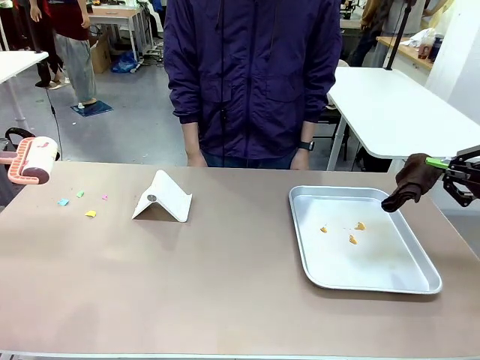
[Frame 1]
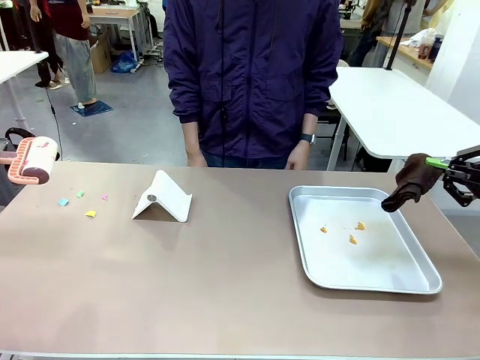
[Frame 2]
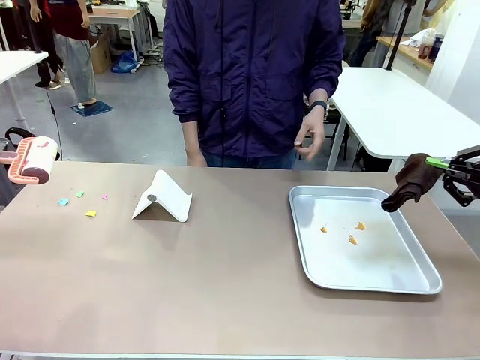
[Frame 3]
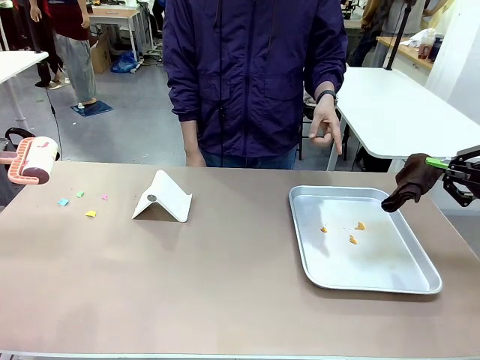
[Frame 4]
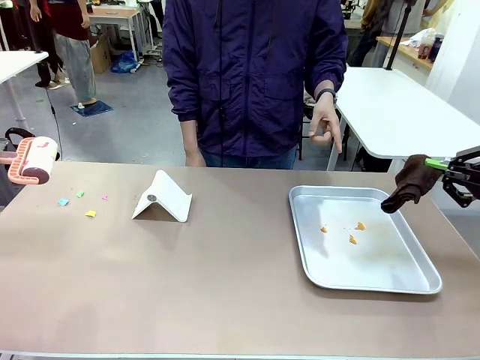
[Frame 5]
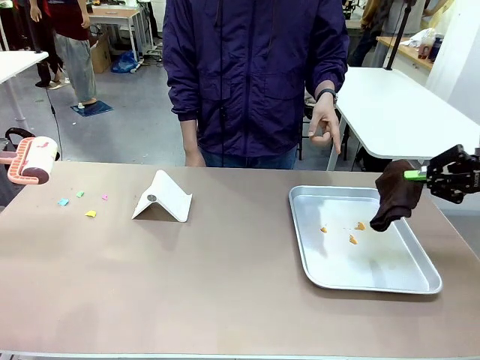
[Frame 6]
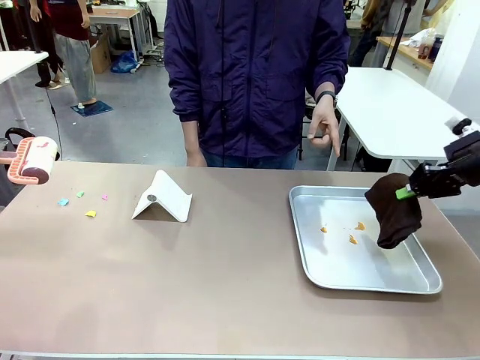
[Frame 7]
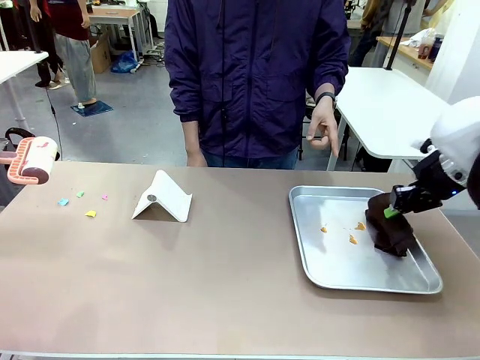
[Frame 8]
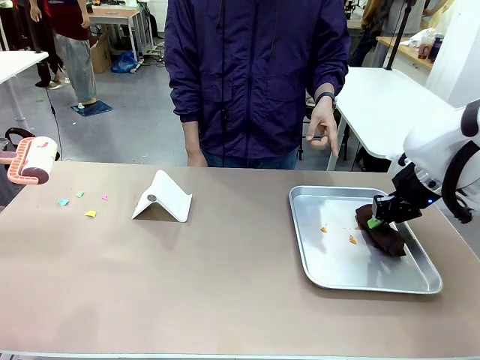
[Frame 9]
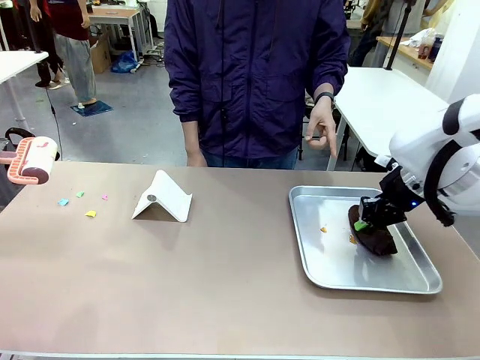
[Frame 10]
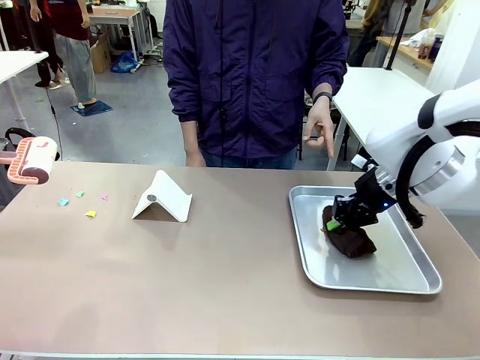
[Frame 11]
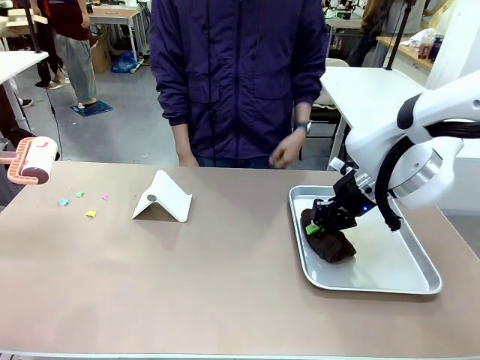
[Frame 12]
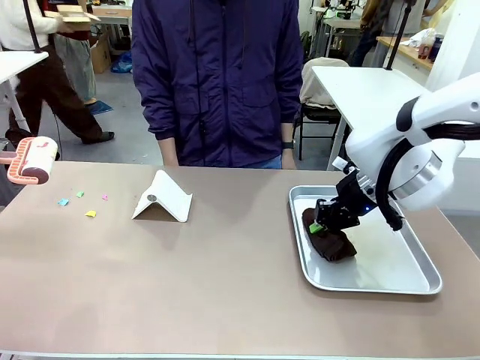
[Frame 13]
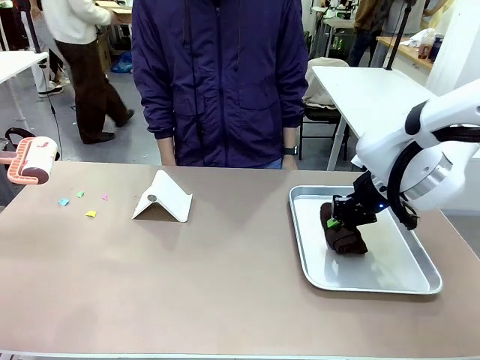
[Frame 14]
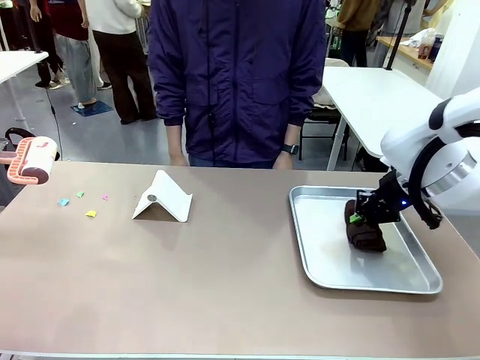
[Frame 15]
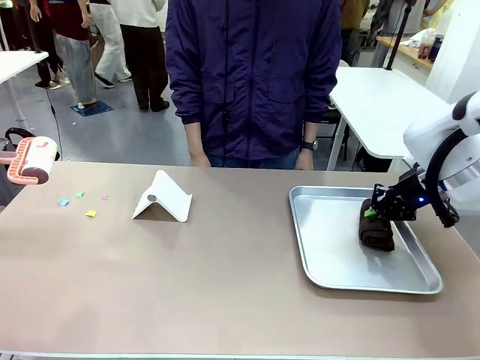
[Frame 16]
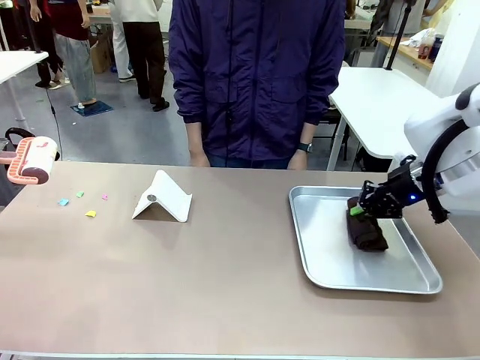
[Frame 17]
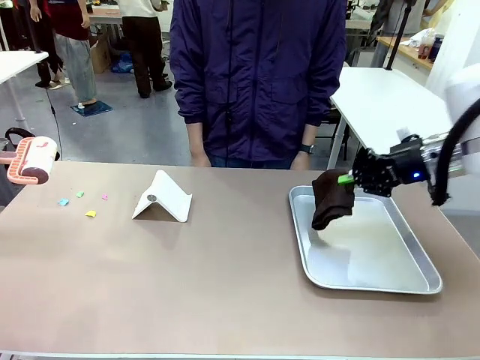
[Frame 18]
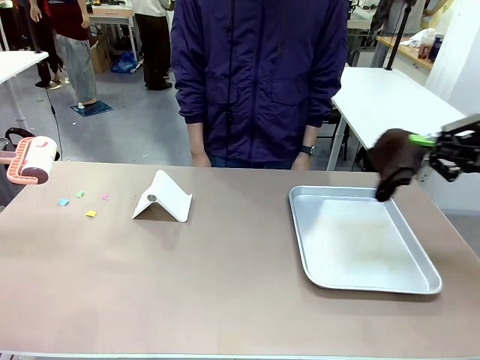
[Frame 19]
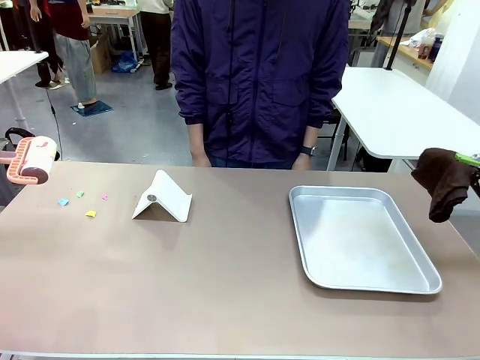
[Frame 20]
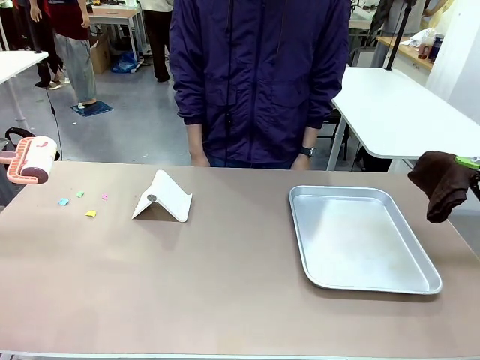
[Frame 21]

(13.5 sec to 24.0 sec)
Task: Clean the surface of the table.
Robot: If a person points to the right, clean the right side of the table with your right hand, and if they point to the left, clean the left side with your left hand.

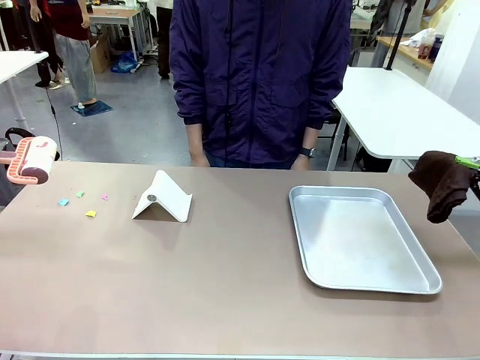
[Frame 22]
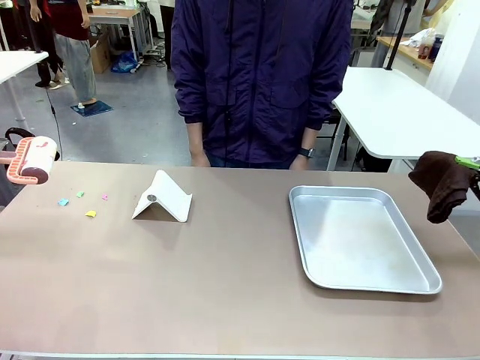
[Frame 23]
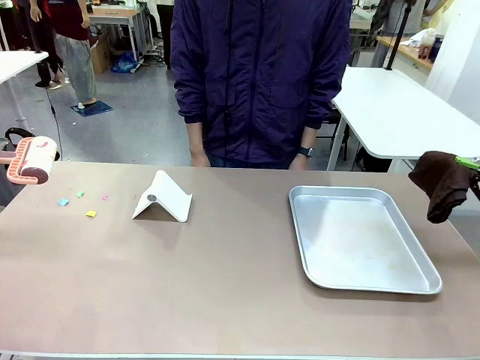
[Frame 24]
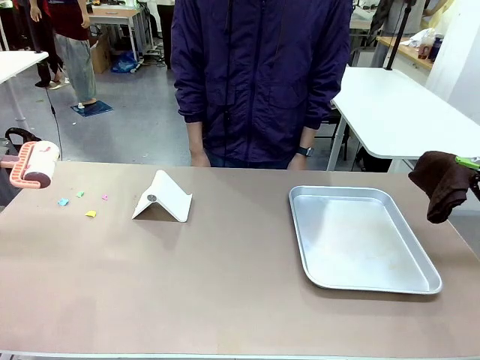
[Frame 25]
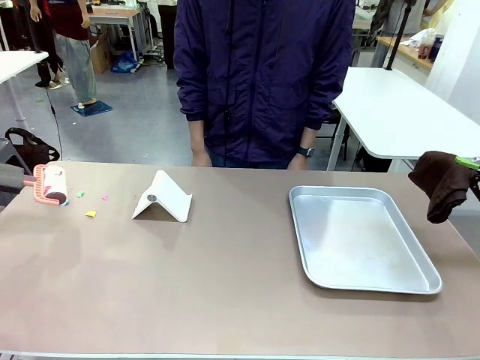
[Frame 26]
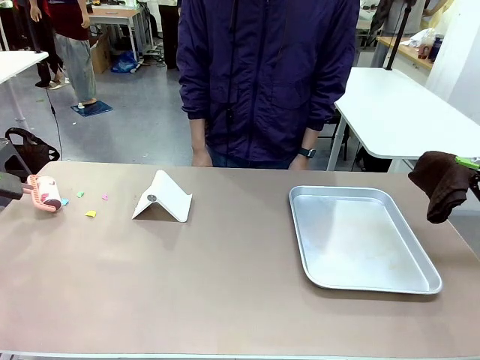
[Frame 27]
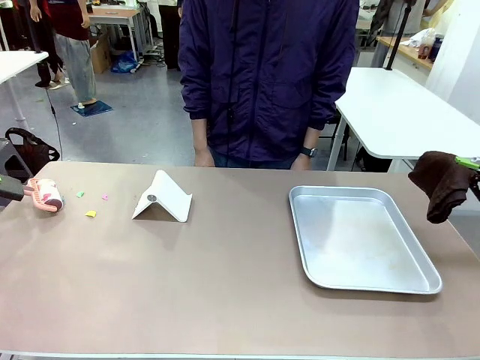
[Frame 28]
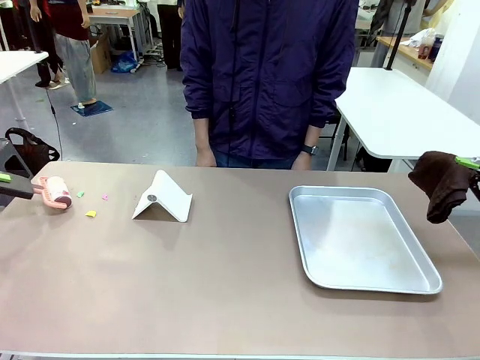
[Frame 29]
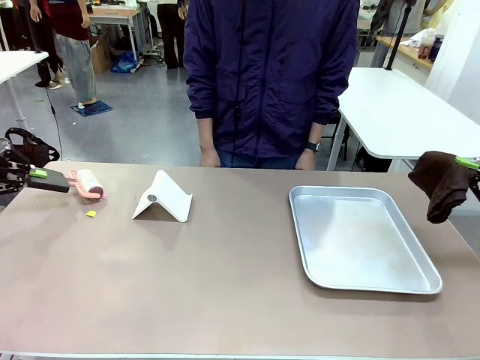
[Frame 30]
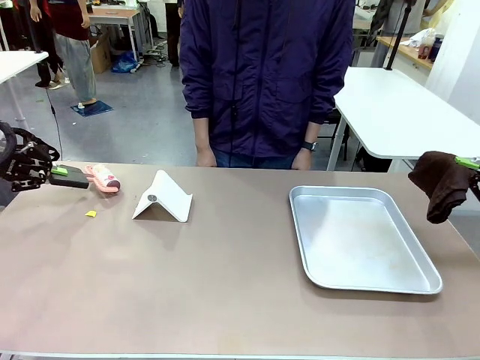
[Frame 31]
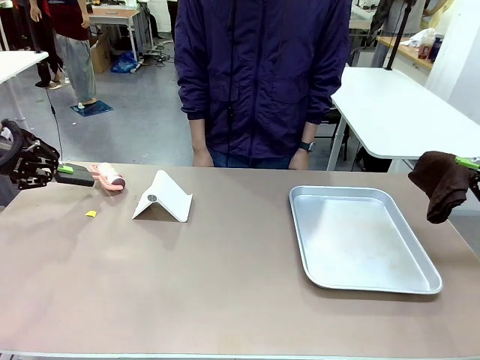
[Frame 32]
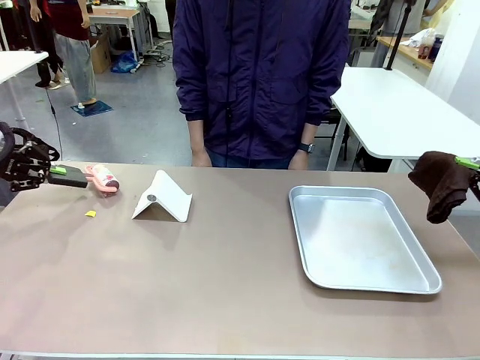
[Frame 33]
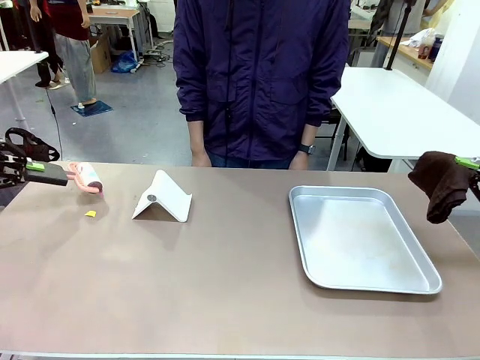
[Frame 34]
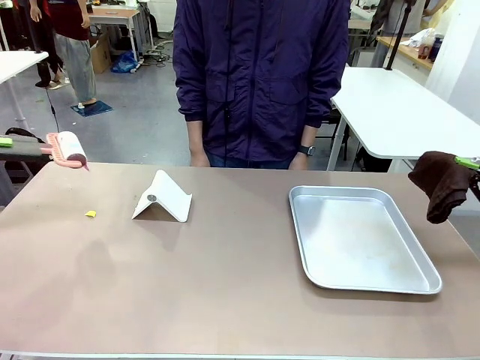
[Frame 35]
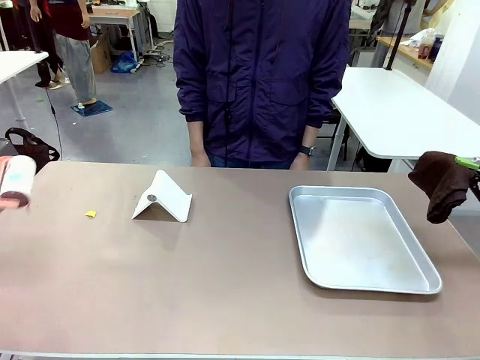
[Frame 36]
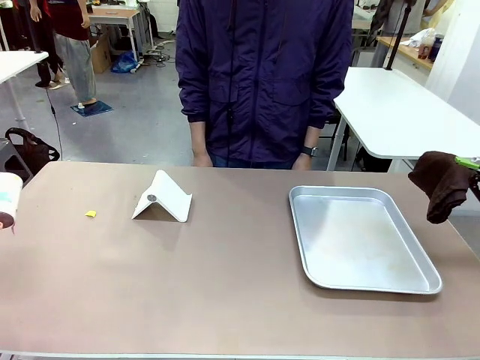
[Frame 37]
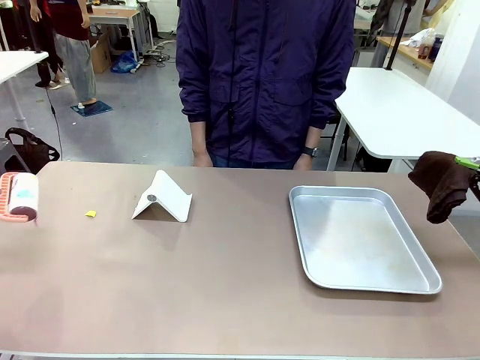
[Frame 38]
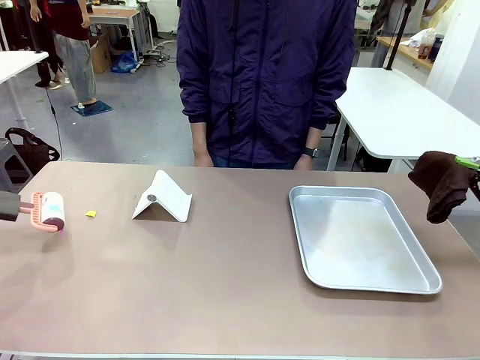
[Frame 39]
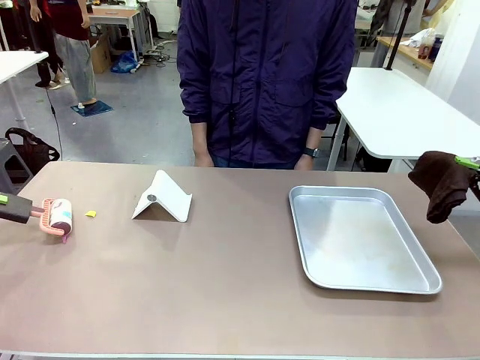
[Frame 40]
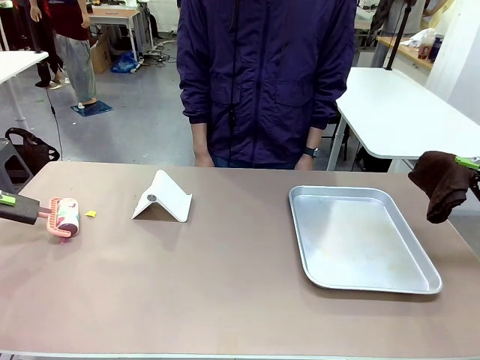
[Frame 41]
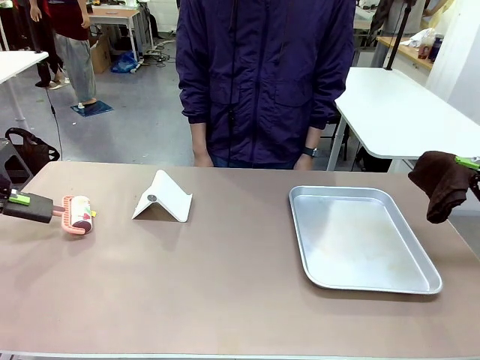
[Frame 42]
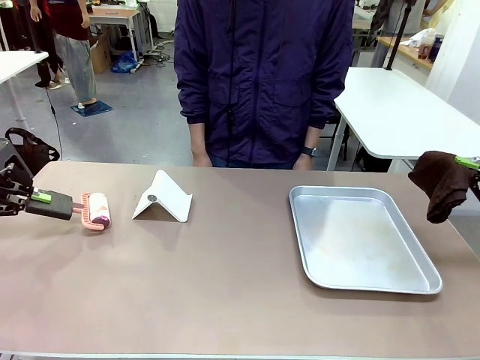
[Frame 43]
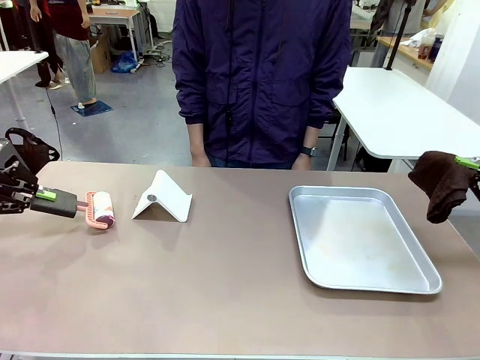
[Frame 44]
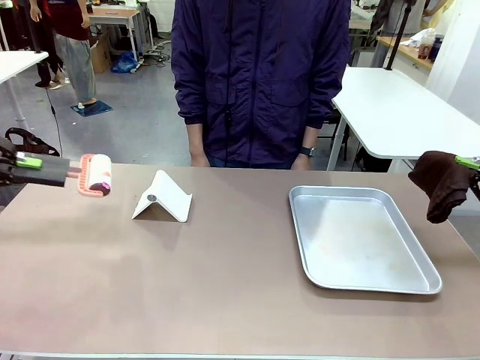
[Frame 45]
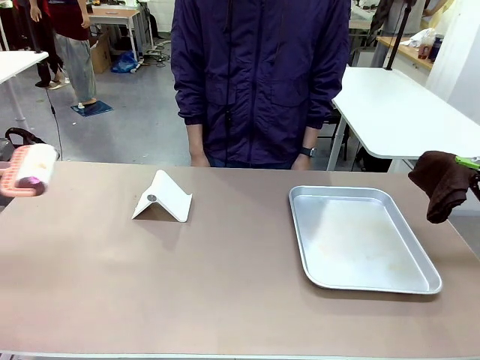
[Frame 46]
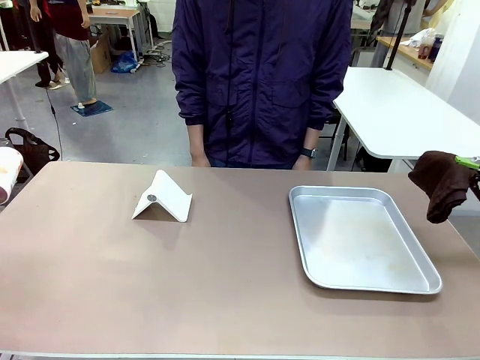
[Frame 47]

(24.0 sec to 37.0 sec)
Robot: Clean the area not pointed to by the person.

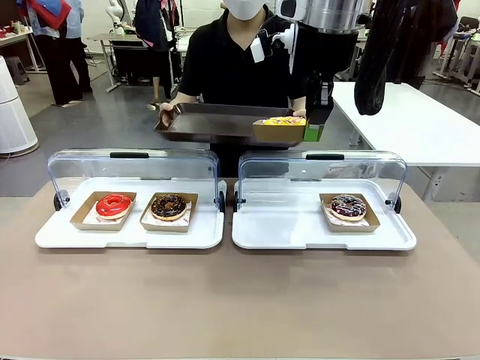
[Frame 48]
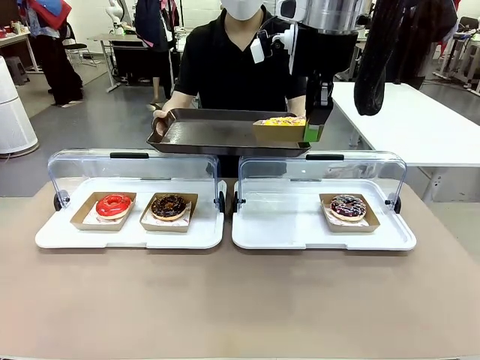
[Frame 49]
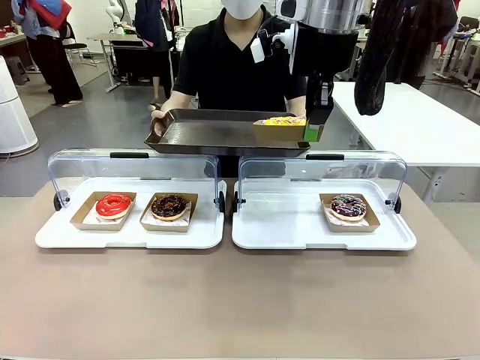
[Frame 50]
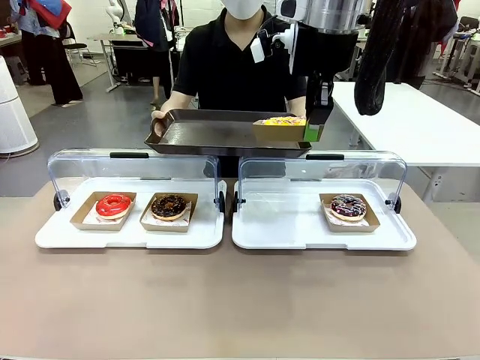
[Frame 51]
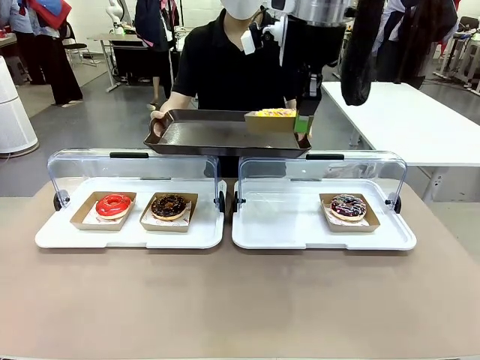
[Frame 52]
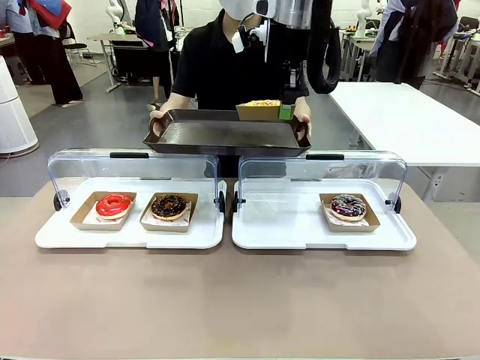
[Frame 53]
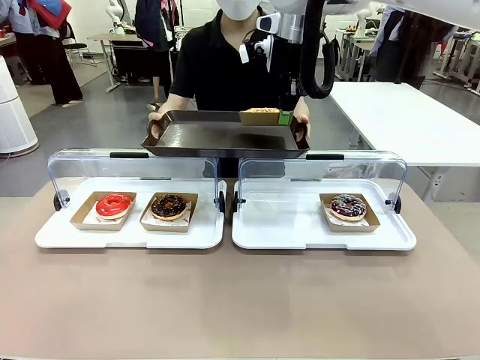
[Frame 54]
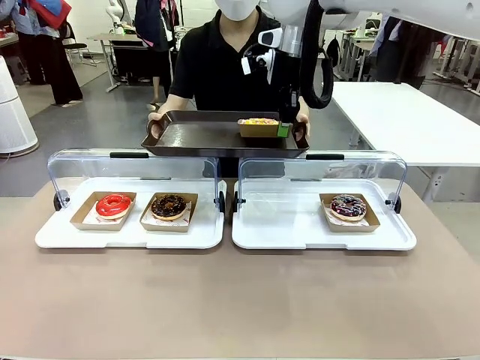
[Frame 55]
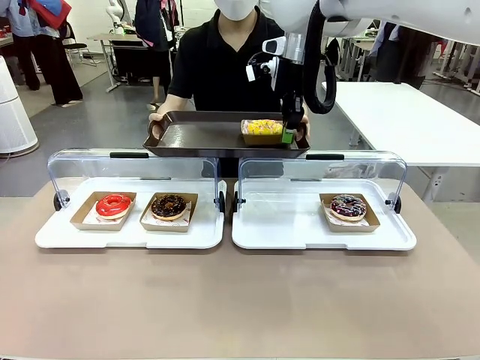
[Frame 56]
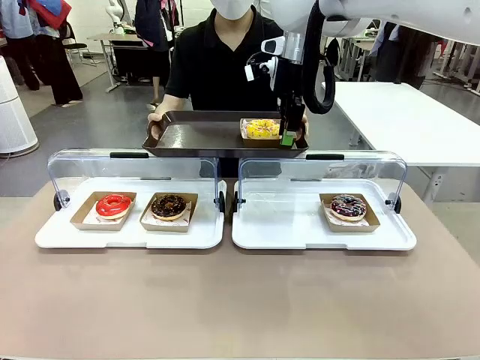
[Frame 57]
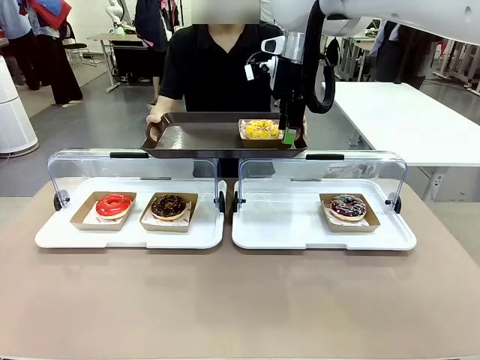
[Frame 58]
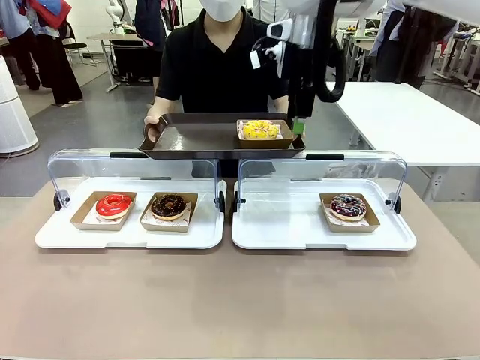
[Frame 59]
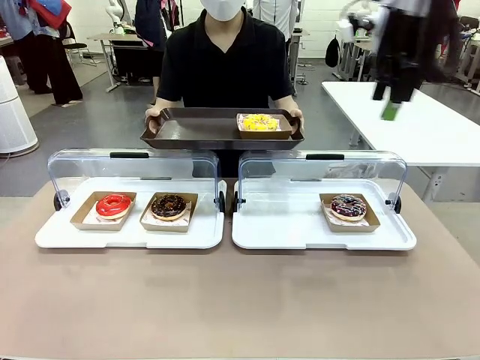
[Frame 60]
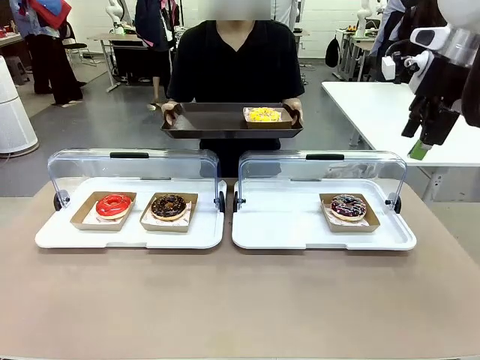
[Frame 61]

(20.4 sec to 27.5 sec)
Task: Provide the desired donut to the person.
Robot: Place the picked Paper togo box onto the Handle tray extended by the person.
